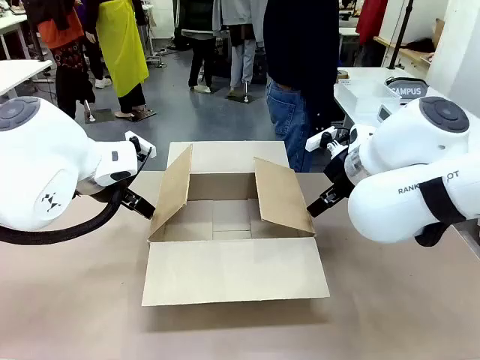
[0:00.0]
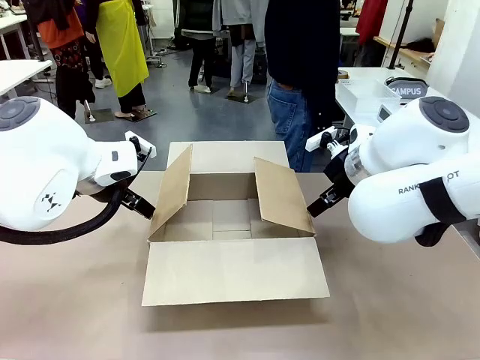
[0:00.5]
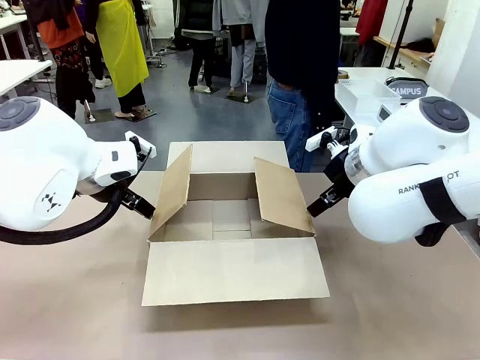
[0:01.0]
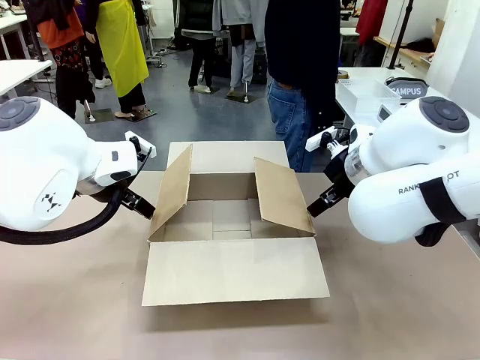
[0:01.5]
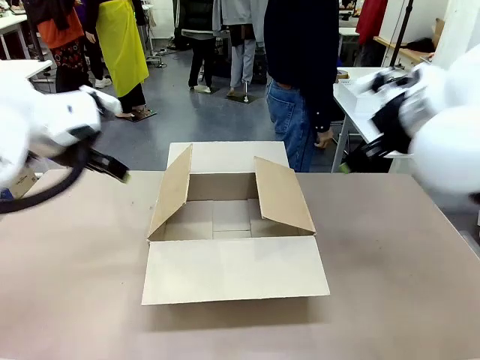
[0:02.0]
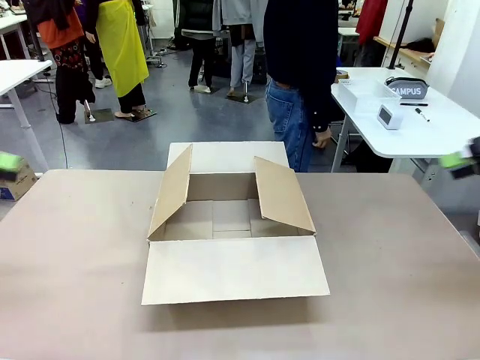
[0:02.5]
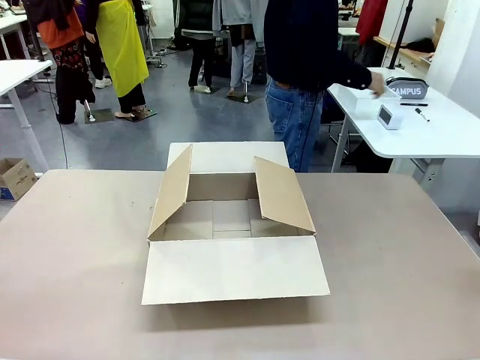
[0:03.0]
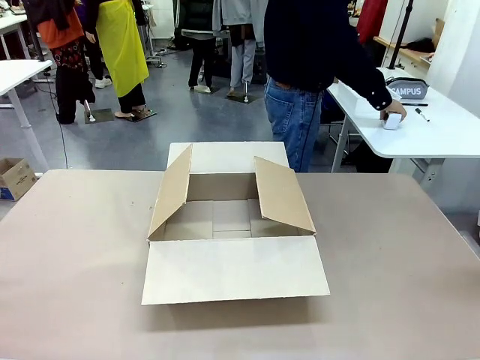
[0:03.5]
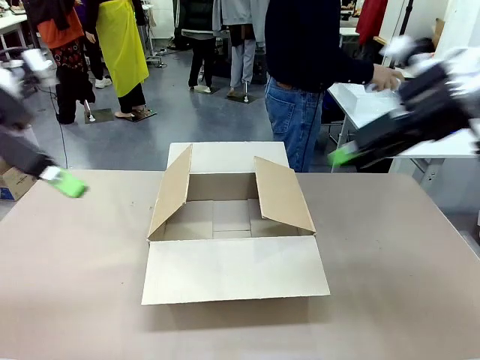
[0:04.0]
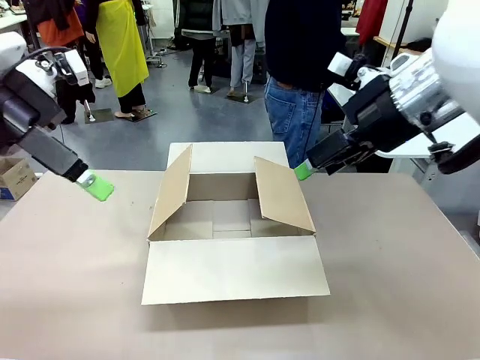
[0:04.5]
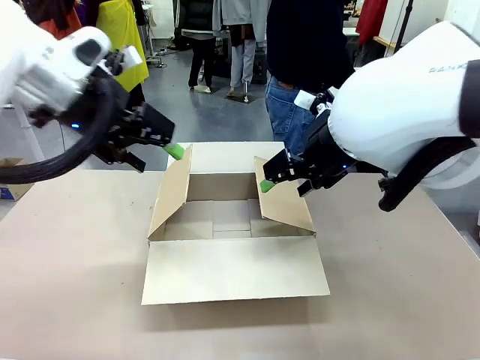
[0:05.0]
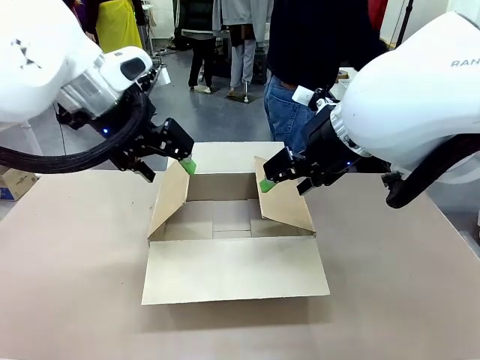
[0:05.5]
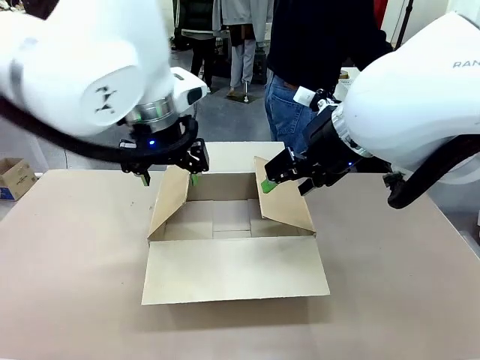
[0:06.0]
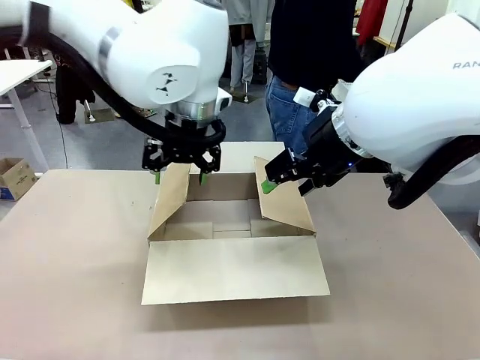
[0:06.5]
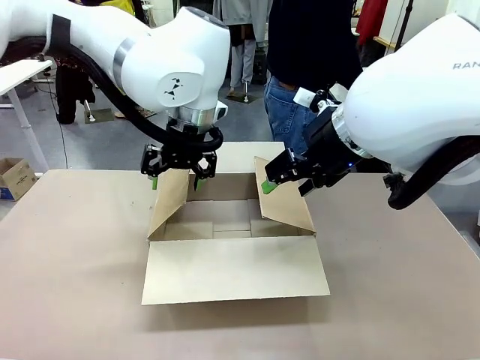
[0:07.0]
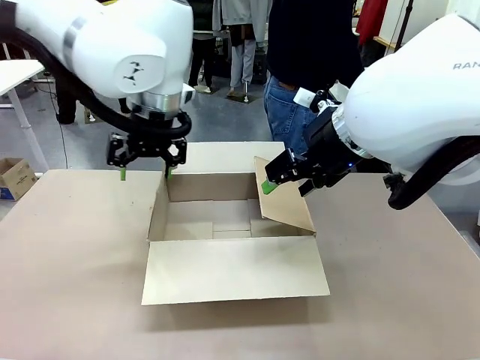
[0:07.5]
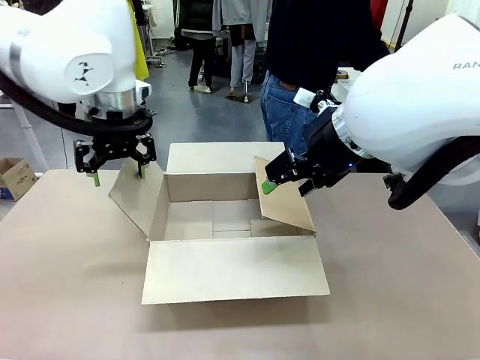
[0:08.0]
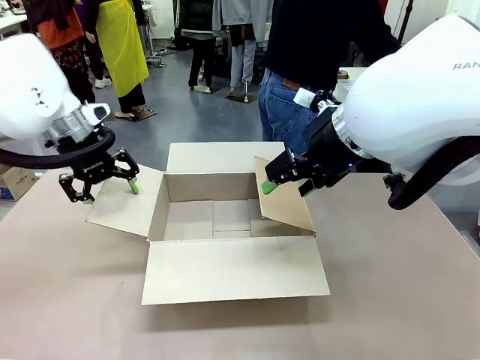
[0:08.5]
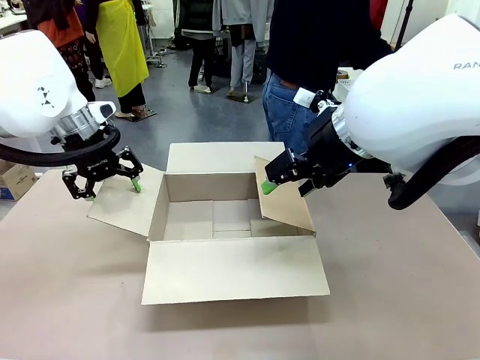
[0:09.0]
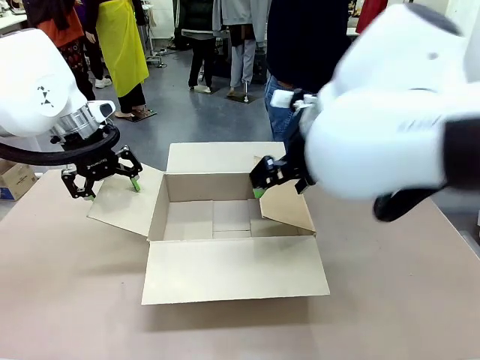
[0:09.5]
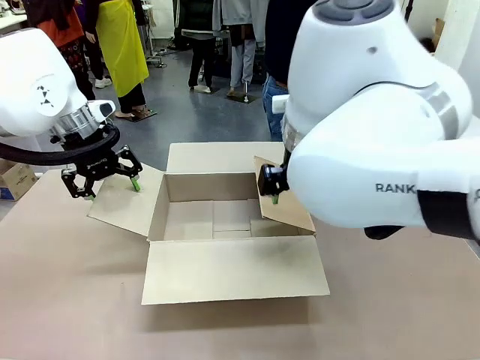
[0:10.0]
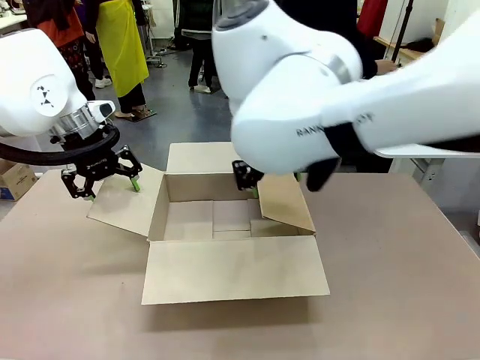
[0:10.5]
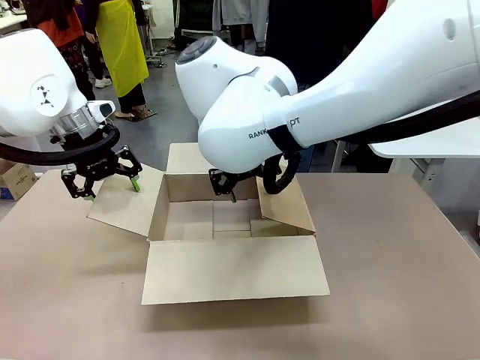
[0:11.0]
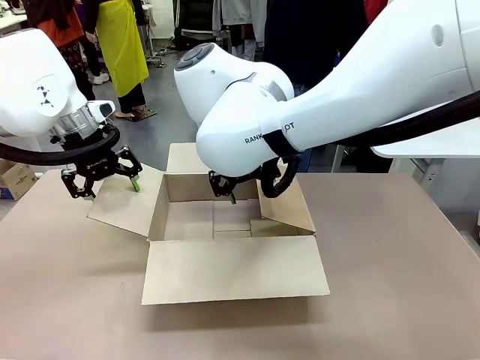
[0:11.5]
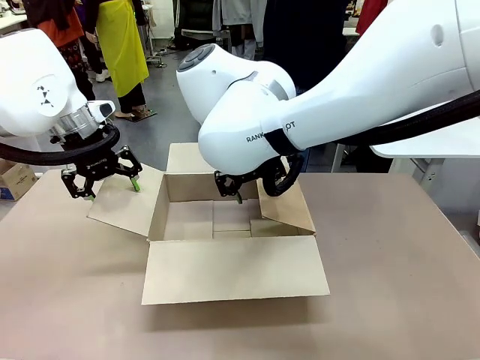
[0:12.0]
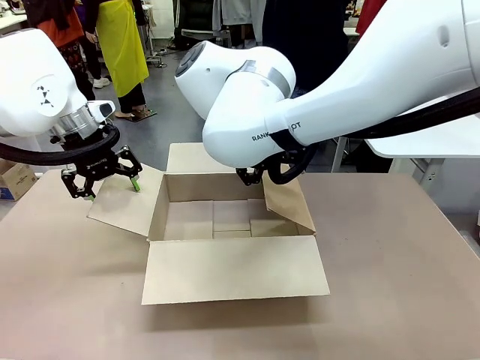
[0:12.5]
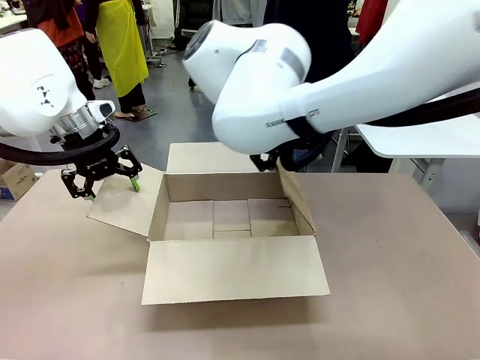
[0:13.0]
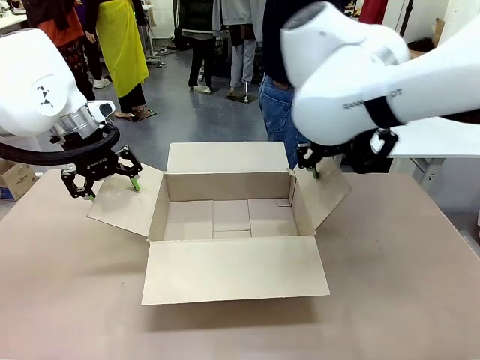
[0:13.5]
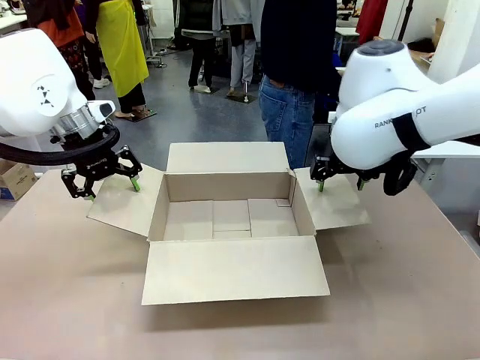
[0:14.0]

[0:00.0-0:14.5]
Task: Pack the gift set into the box.
Robot: Place both hands on the side flaps of the Package Box and spread them outward.
Person: The human places all items except the paper tape into the organizing basket.

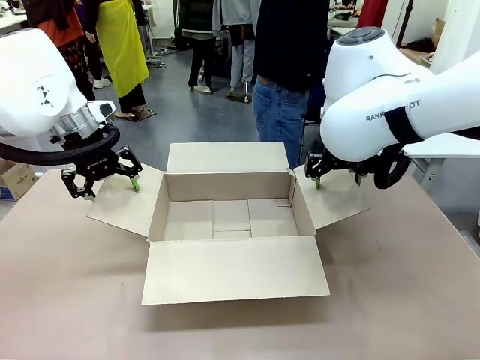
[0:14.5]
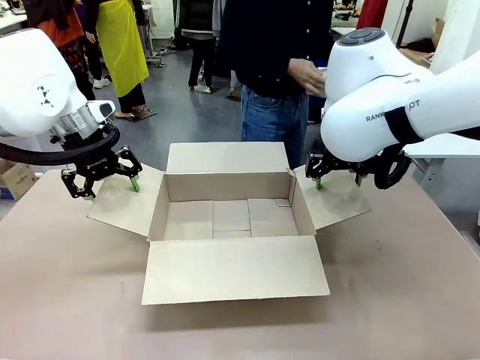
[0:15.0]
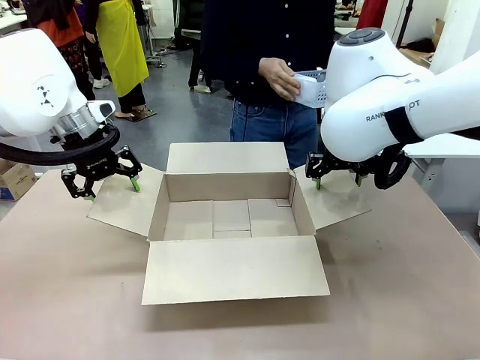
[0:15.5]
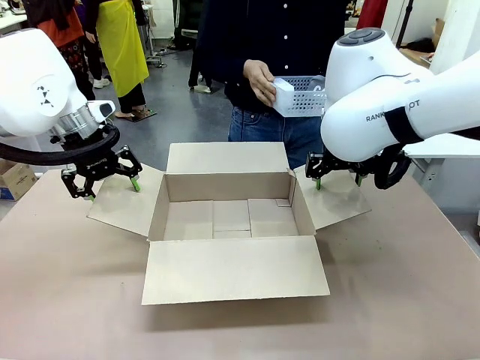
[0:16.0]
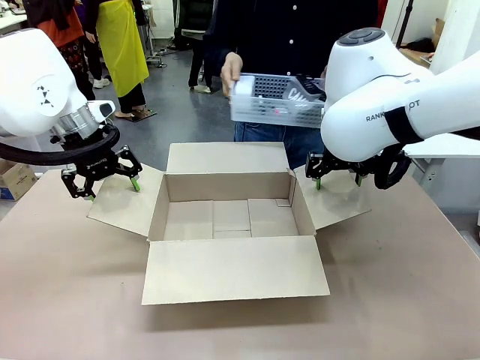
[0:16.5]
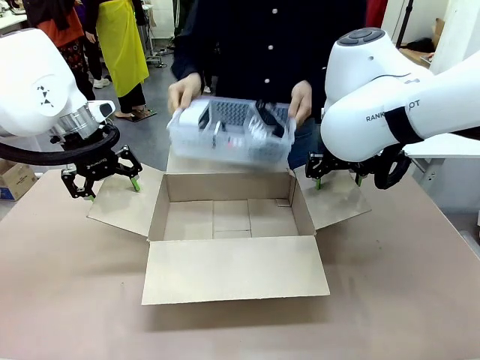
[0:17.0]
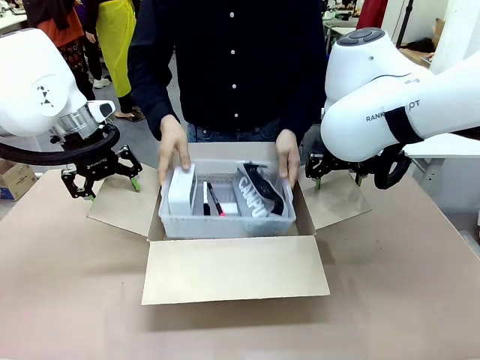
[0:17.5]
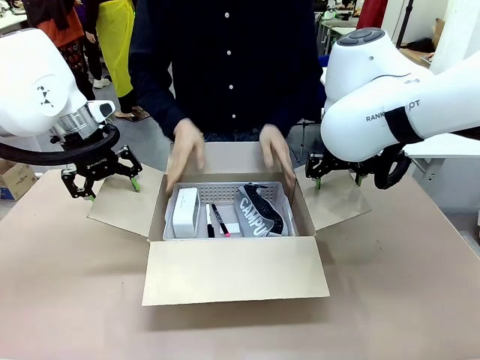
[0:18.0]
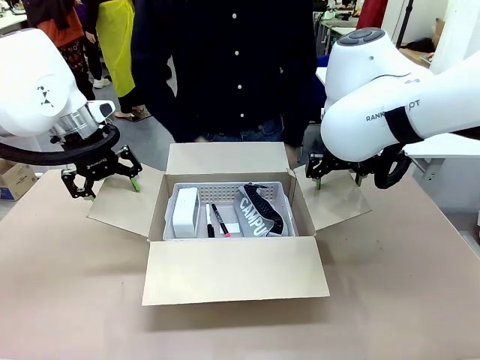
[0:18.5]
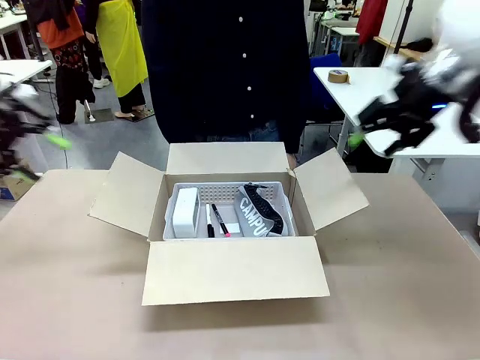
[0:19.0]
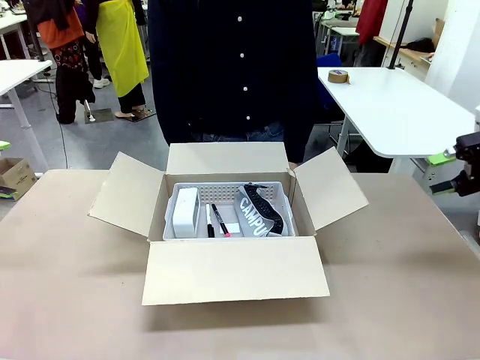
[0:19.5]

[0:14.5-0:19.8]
Robot: Lift both hands away from the flaps of the Package Box.
Person: The human picks up the organizing basket and places the organizing basket into the package box on the robot table.

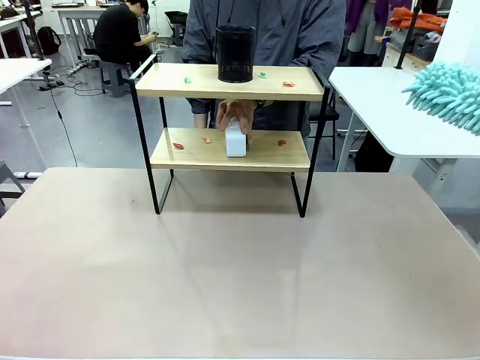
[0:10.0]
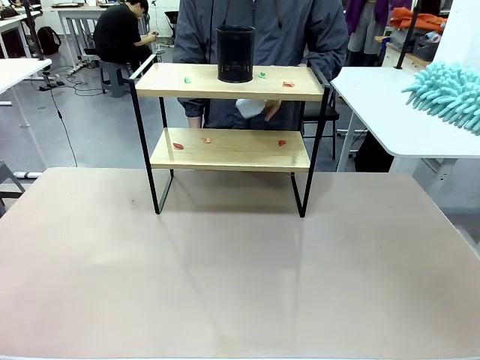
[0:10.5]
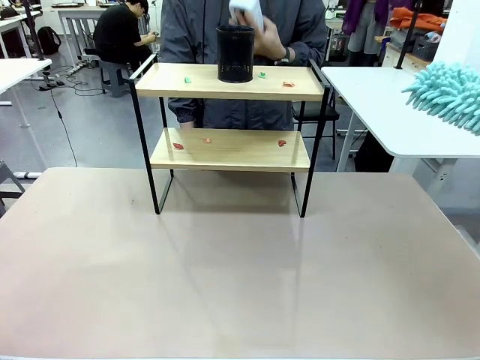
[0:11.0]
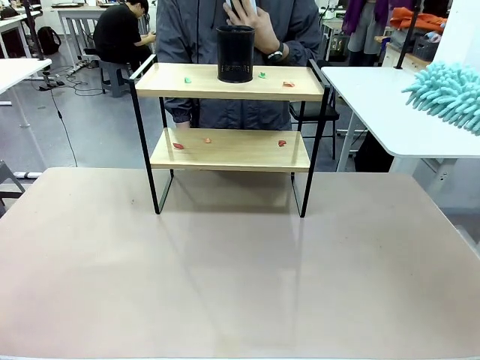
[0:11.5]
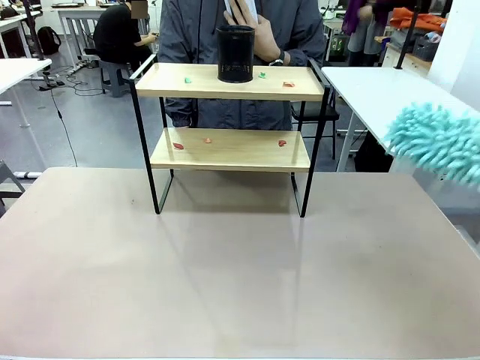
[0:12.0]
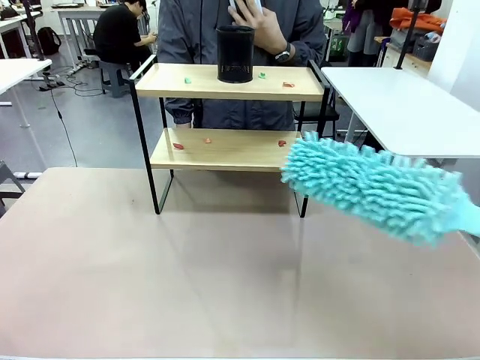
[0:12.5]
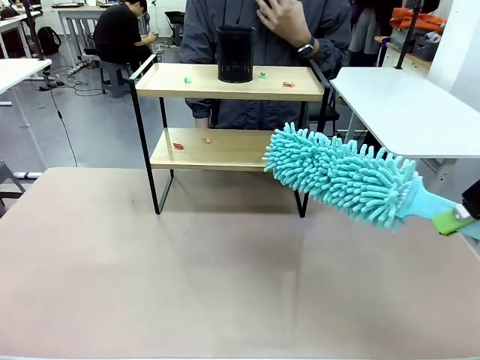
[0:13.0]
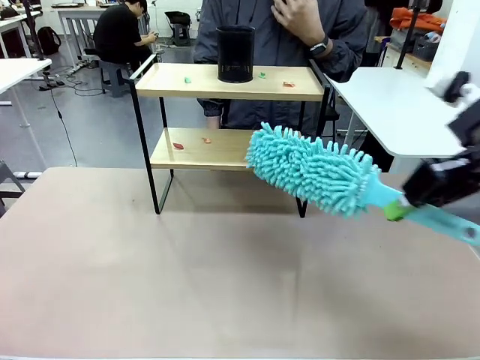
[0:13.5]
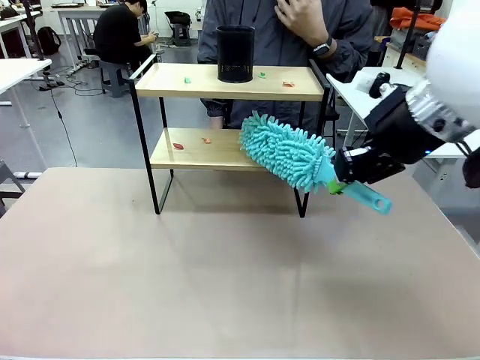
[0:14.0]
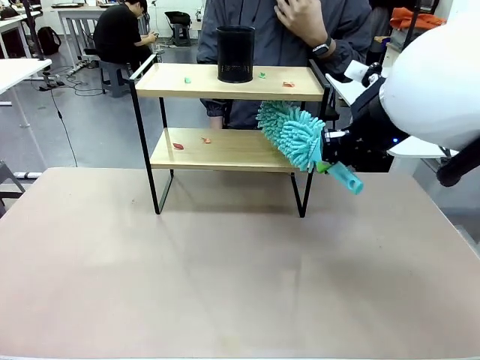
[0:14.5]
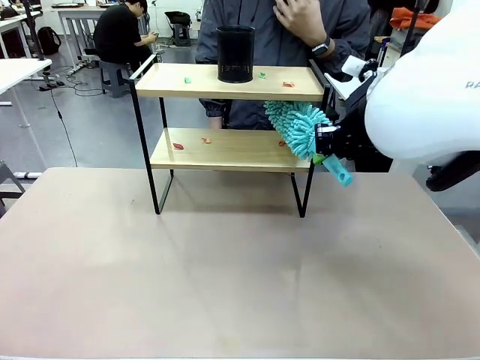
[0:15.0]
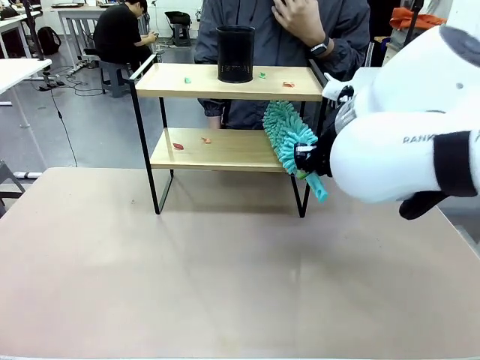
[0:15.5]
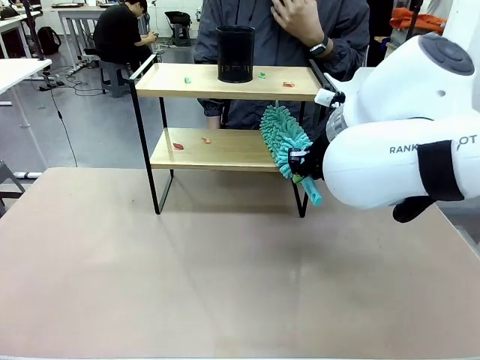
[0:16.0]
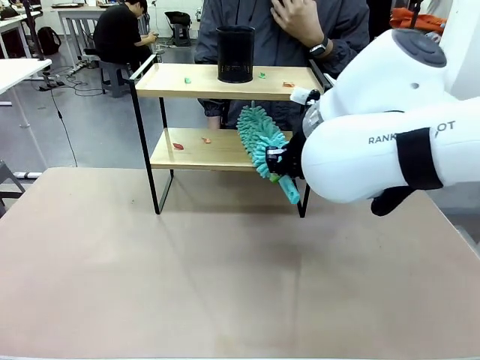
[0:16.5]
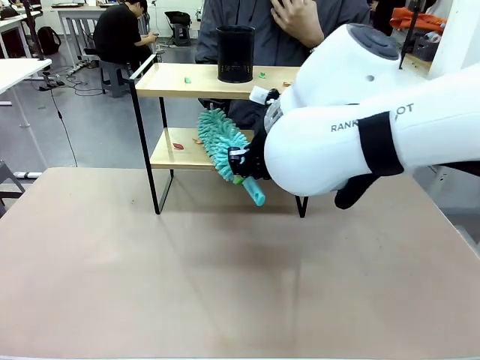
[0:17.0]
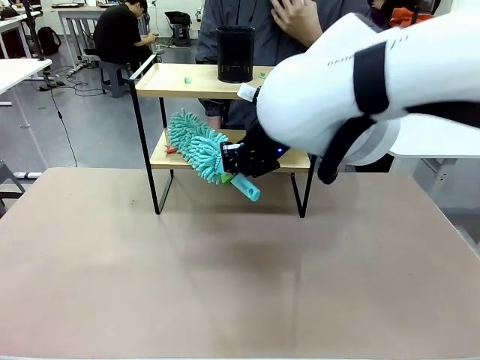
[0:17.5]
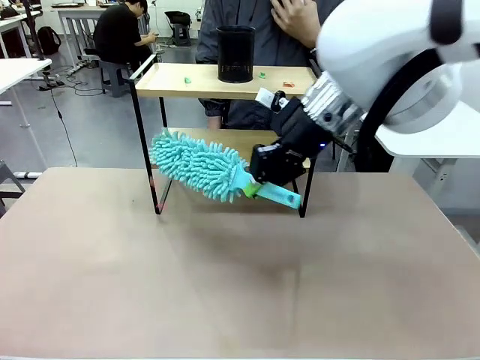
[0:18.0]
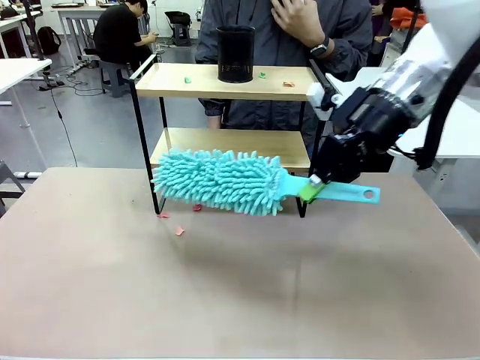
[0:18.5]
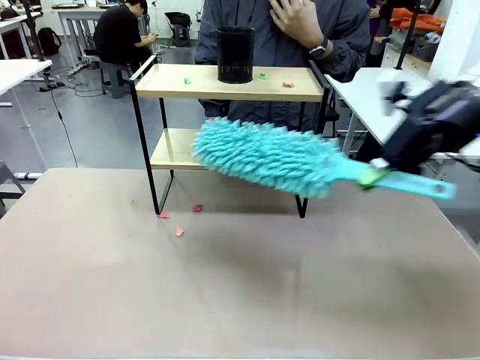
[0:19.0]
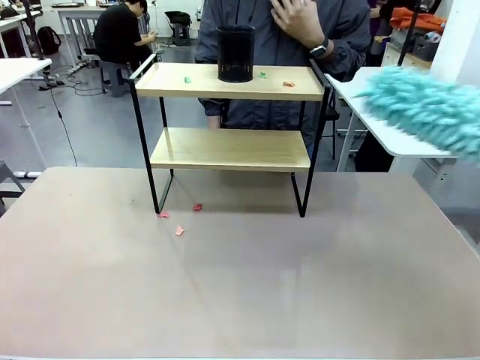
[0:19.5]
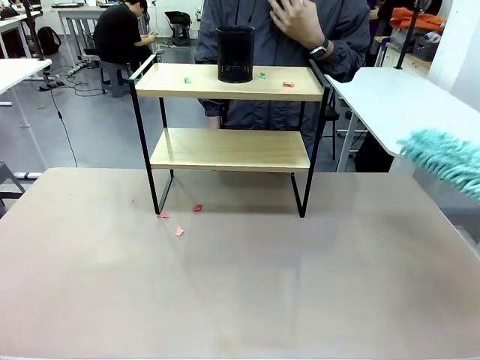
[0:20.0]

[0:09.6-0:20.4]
Task: Clean the shelf.
Robot: Clean the specific tier of the Shelf with the Duster once objects are removed.
Person: Lift the objects on a randomly selected tier of the Shelf. Once the robot finishes cleaning, lift the objects on the remaining tiers of the Shelf.
